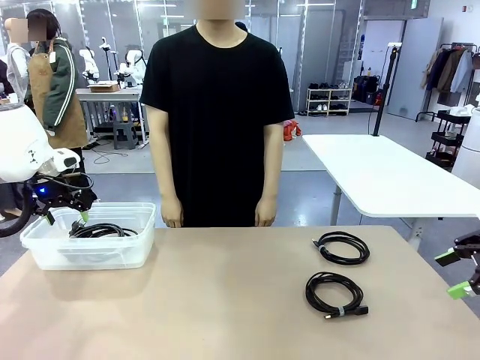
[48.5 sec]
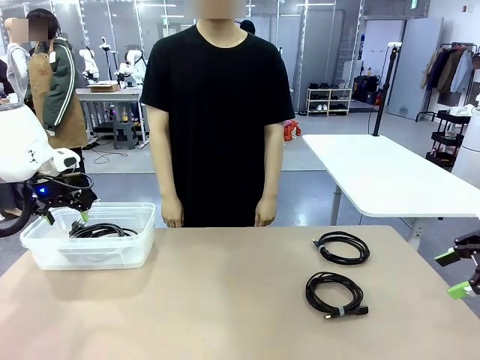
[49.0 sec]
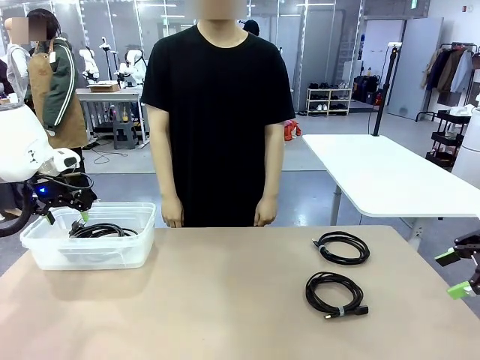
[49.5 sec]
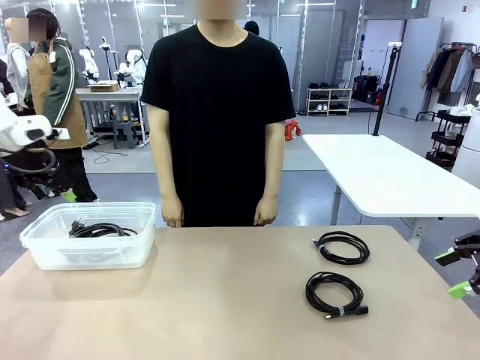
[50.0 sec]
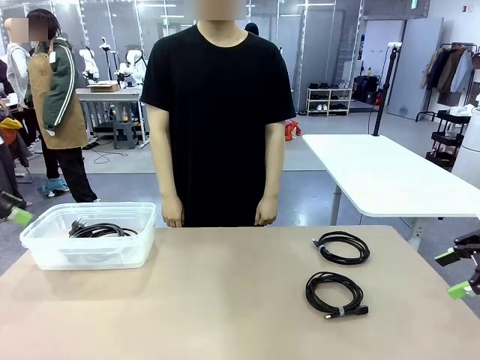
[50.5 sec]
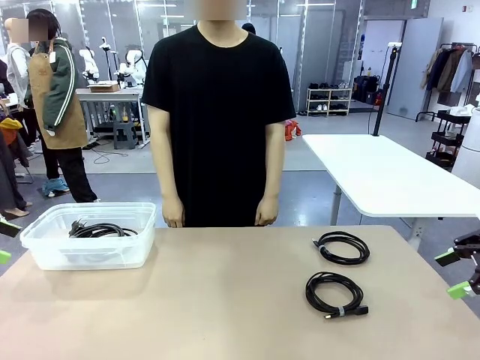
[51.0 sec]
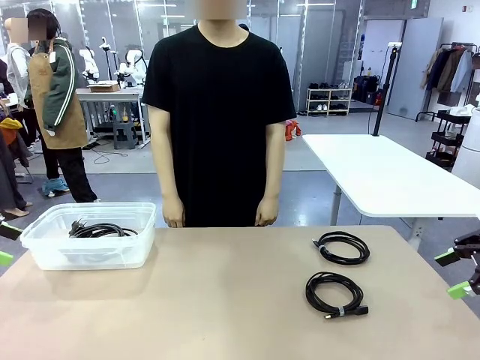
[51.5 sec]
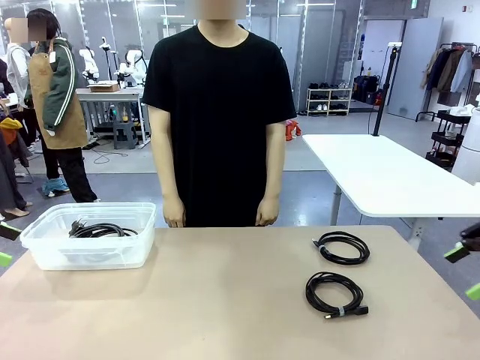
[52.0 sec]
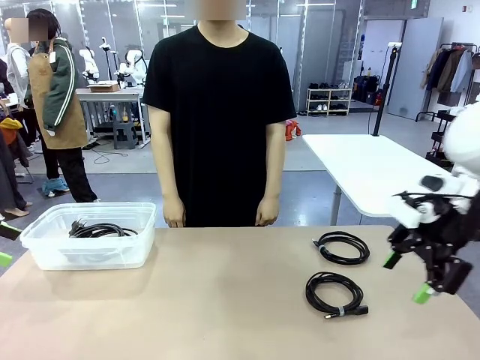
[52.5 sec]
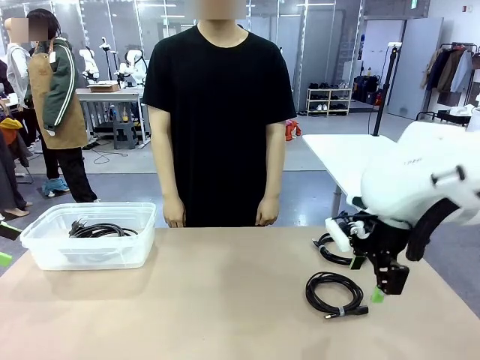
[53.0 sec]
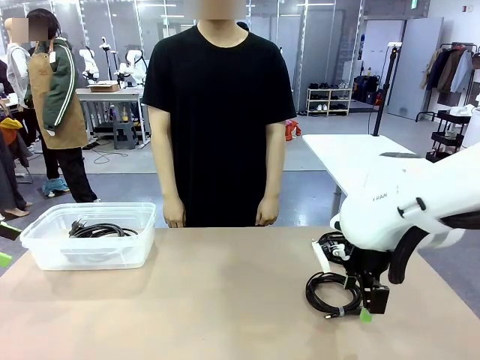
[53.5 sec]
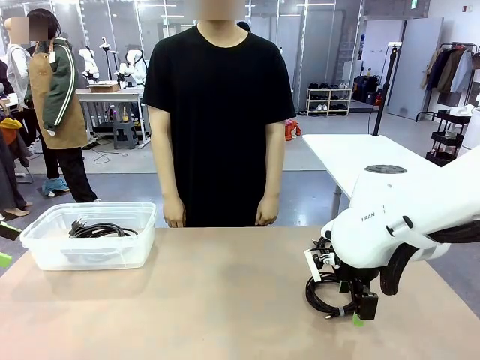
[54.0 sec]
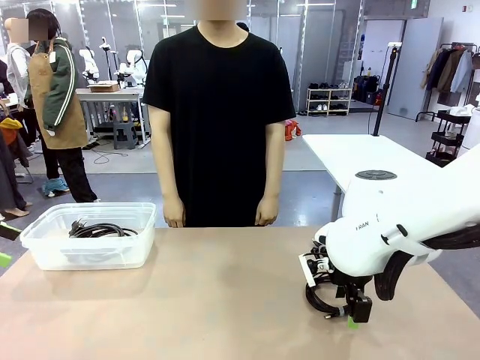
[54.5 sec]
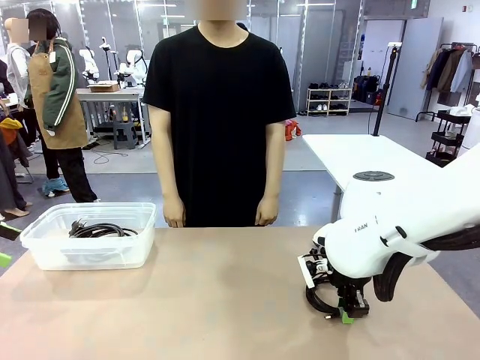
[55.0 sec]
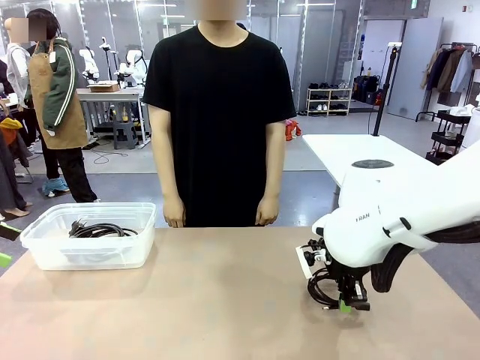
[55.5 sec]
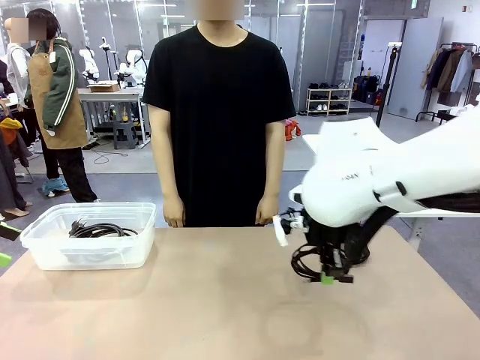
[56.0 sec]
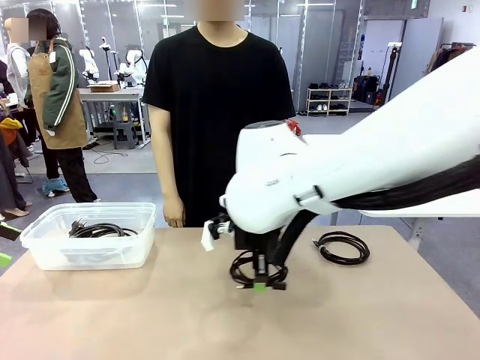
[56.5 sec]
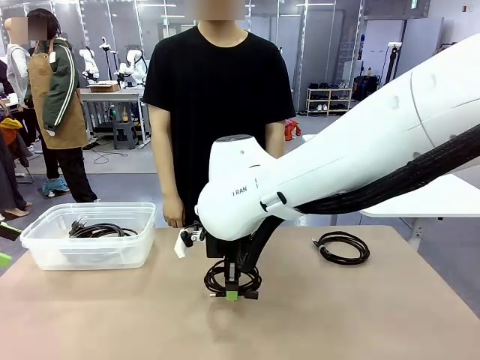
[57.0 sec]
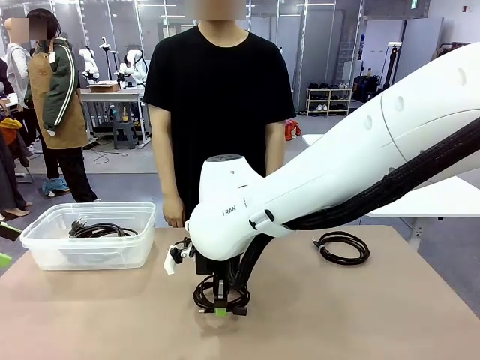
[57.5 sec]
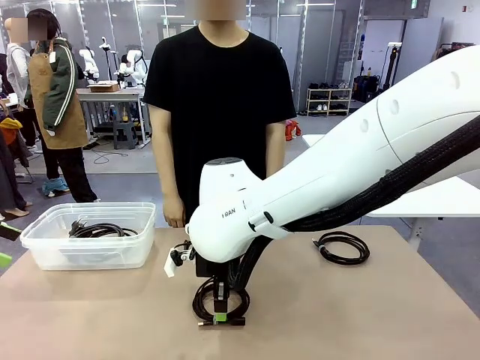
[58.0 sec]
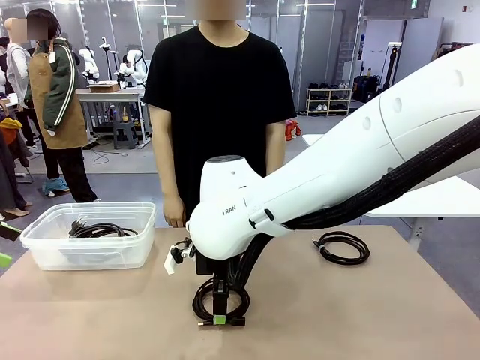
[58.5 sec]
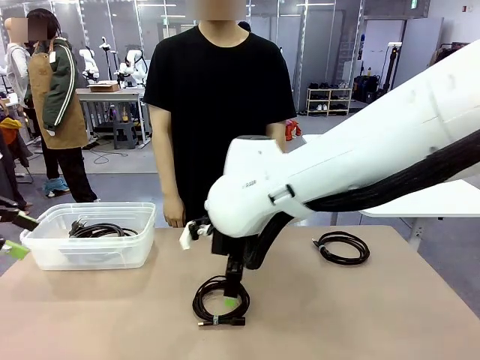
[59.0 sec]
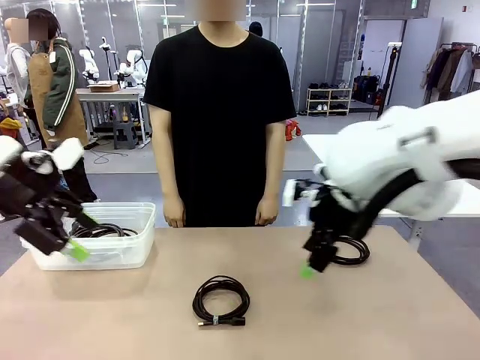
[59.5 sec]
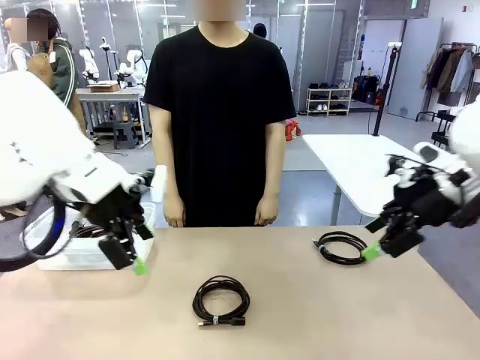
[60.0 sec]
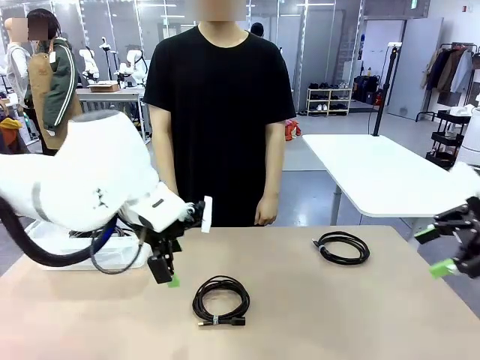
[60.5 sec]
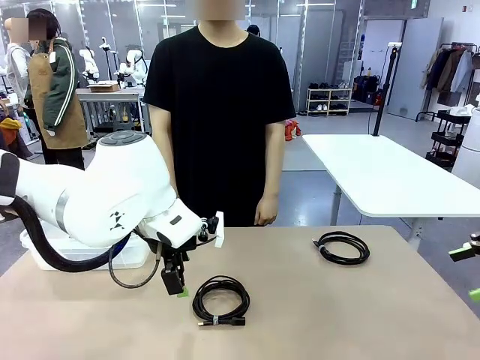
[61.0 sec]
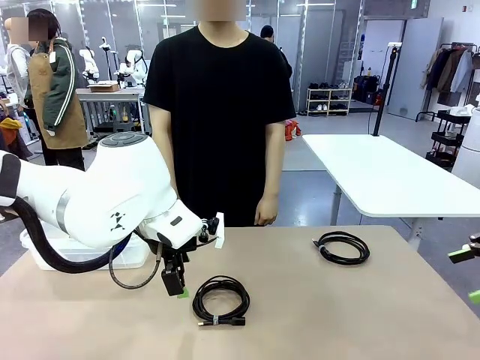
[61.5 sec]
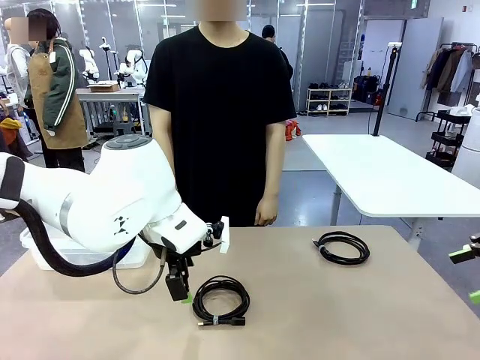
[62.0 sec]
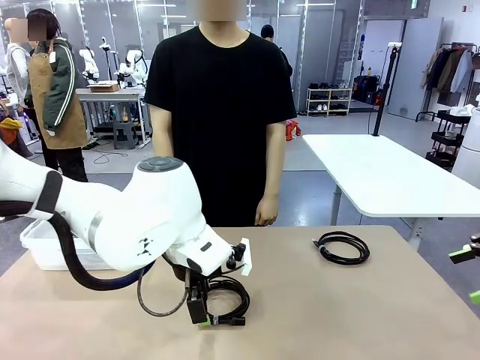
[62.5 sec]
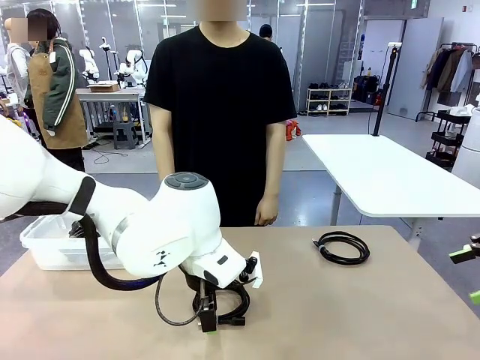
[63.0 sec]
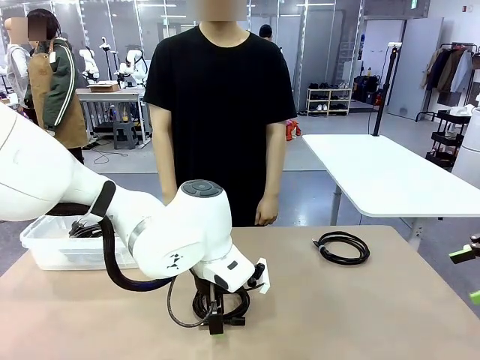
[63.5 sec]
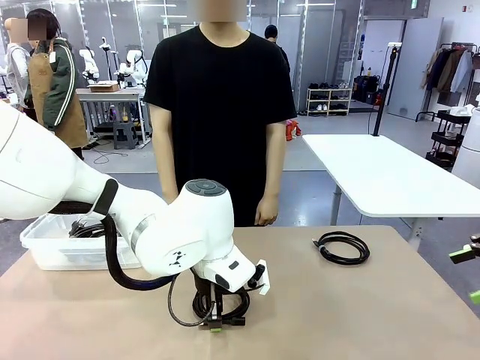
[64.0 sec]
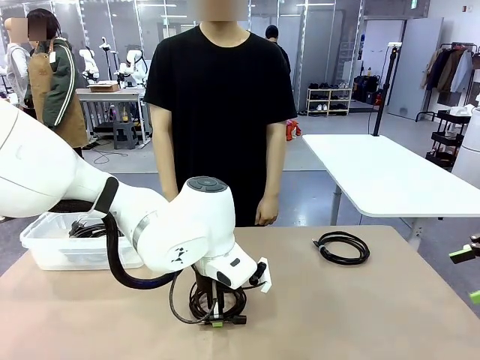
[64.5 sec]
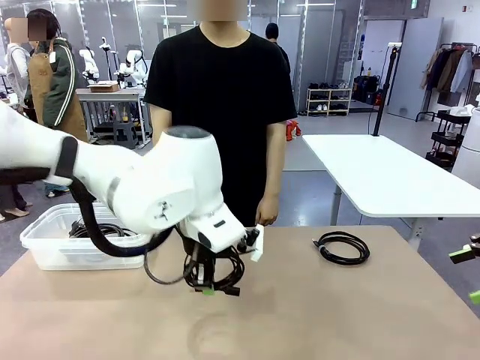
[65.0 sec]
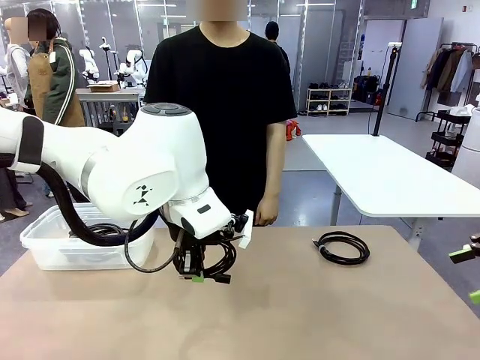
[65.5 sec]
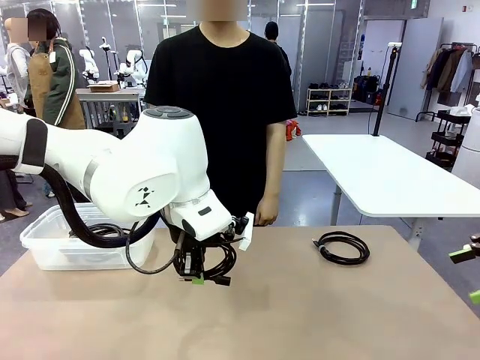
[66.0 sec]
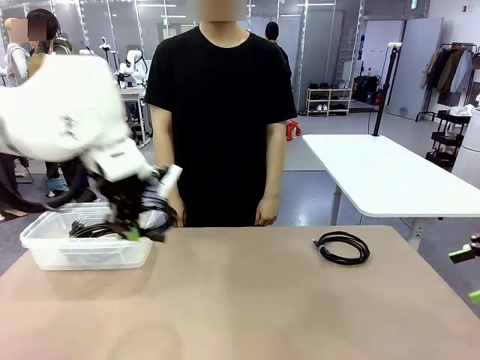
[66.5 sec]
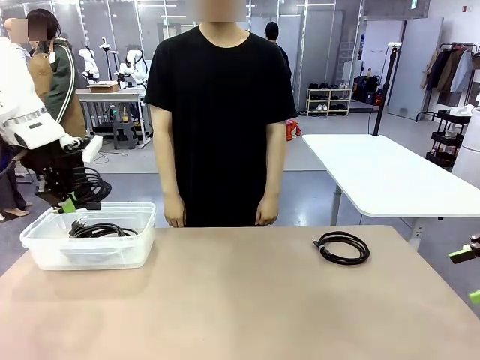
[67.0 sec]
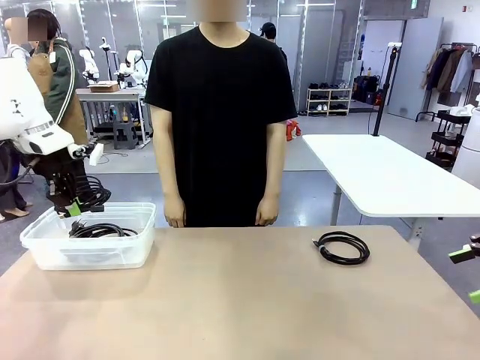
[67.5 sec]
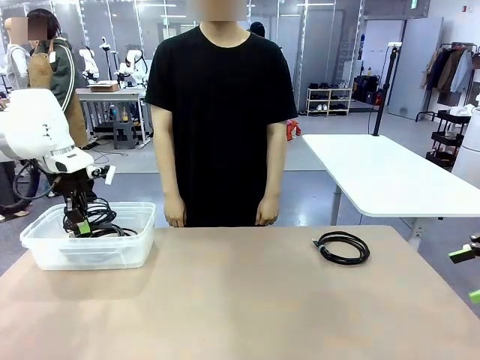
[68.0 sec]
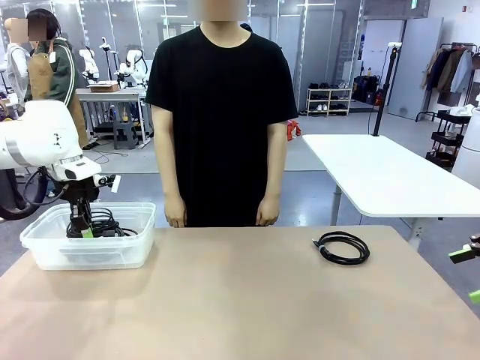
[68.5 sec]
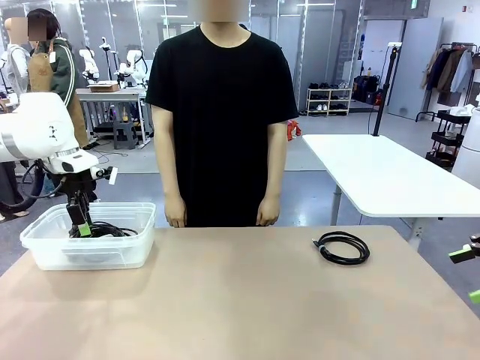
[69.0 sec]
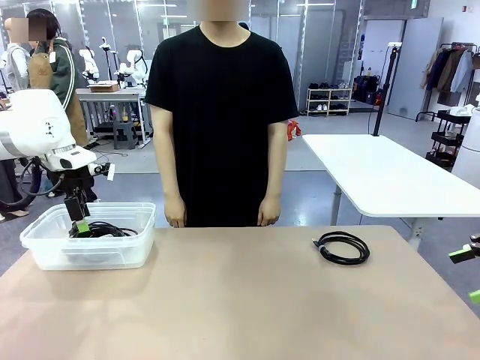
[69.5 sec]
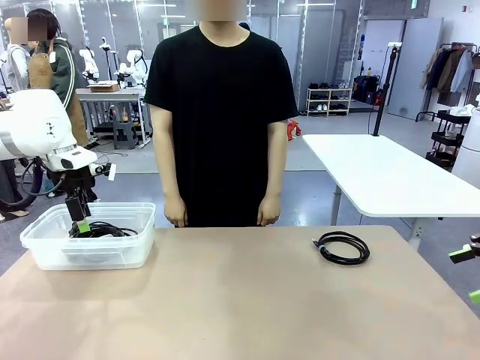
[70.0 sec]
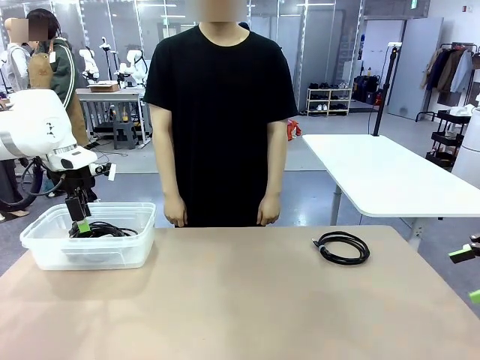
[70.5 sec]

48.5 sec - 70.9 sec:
Task: Organize and store the cables.
Robot: Place the USB Extension Cable into the Organizing box.
